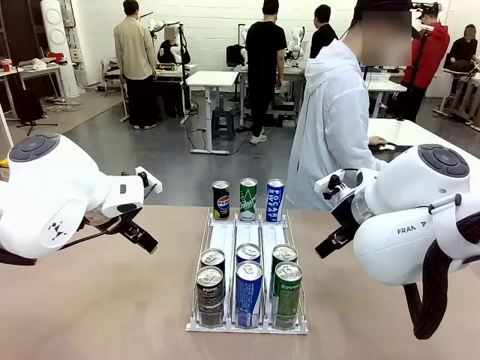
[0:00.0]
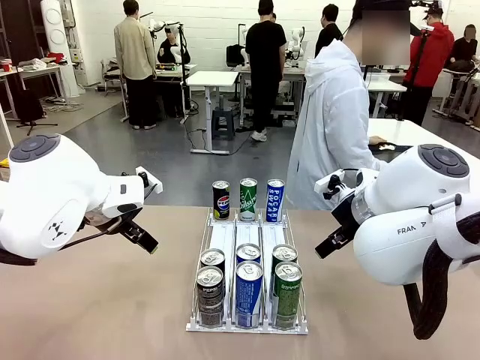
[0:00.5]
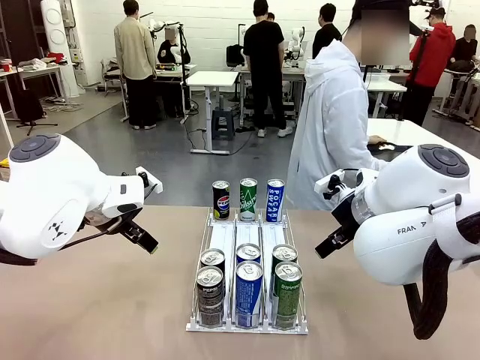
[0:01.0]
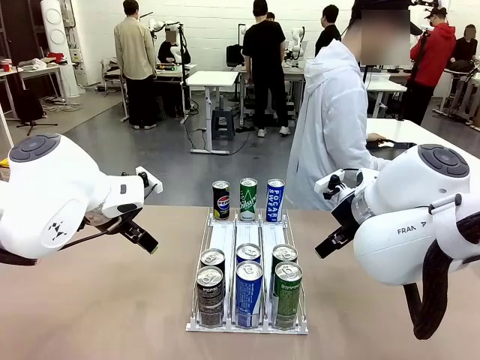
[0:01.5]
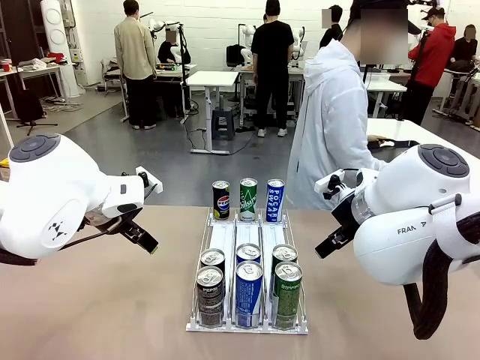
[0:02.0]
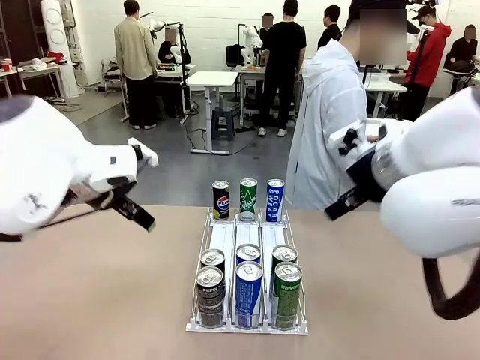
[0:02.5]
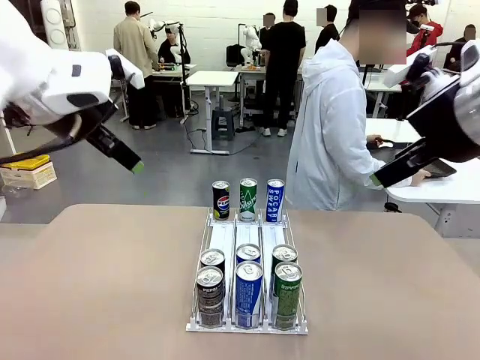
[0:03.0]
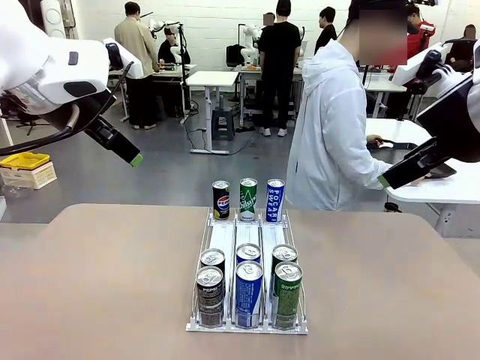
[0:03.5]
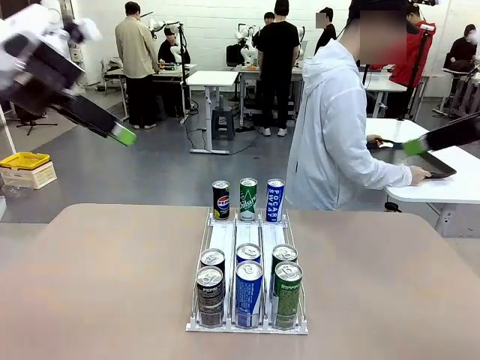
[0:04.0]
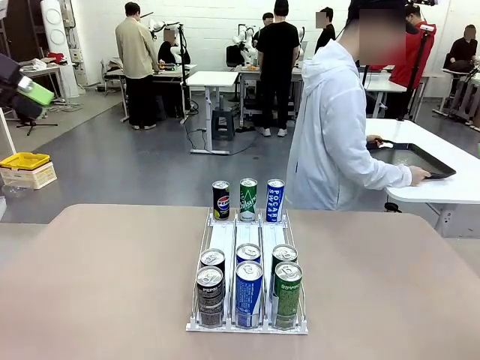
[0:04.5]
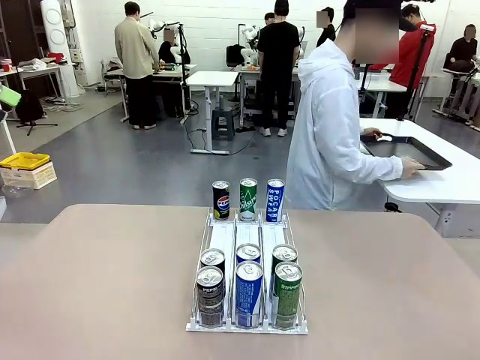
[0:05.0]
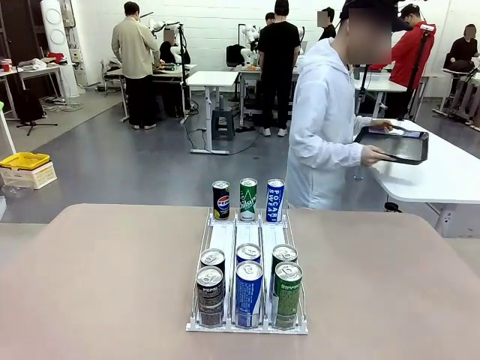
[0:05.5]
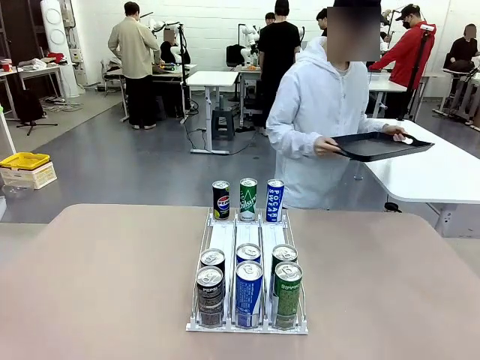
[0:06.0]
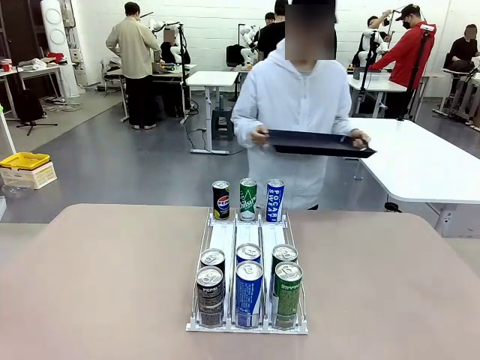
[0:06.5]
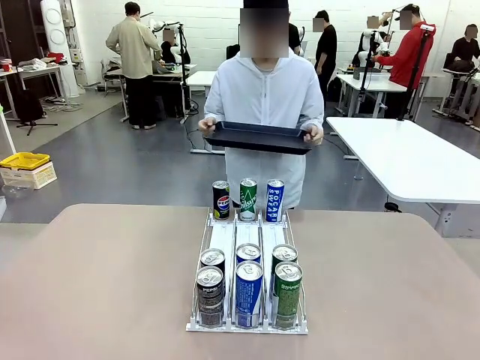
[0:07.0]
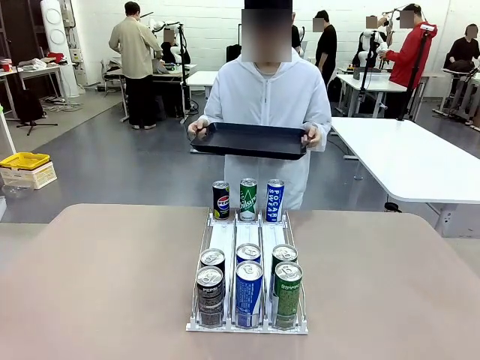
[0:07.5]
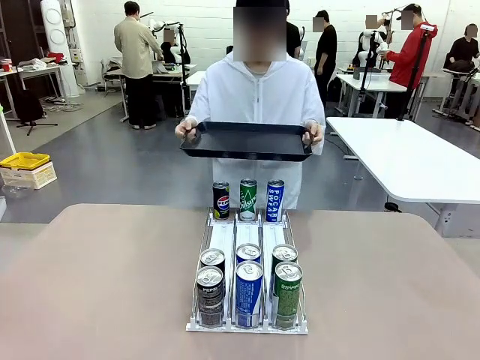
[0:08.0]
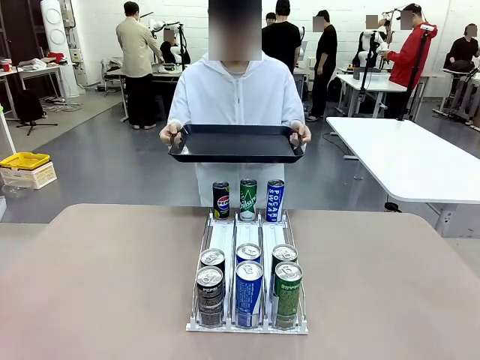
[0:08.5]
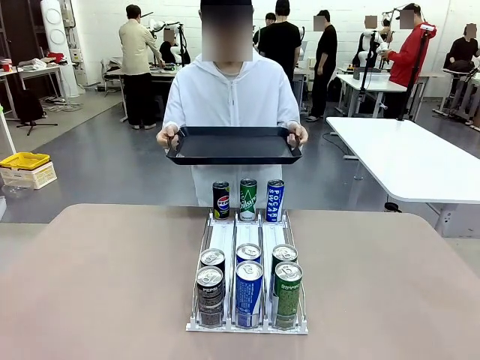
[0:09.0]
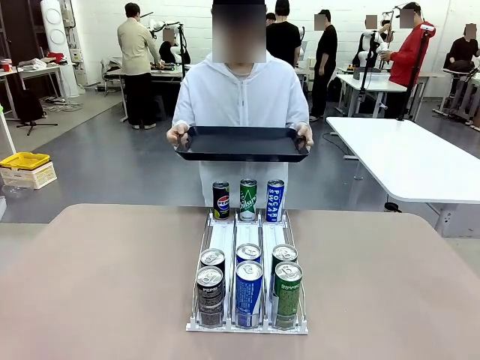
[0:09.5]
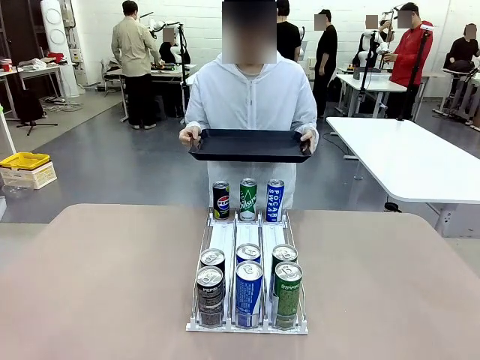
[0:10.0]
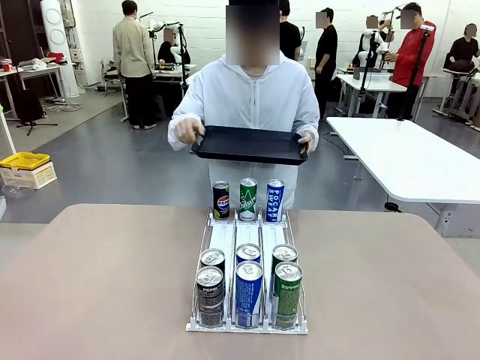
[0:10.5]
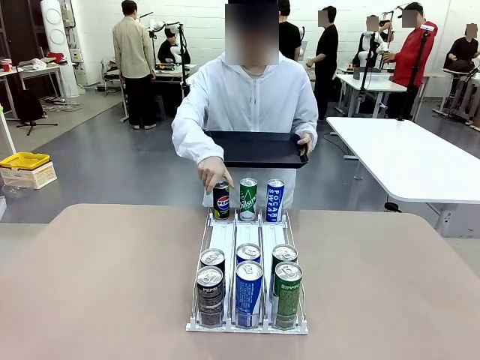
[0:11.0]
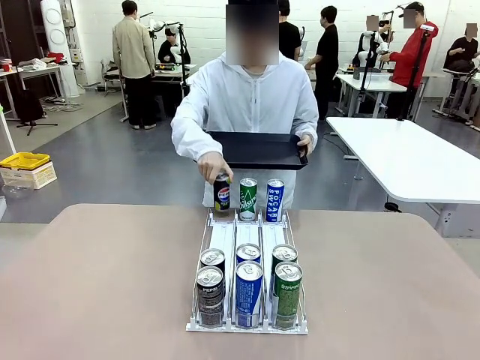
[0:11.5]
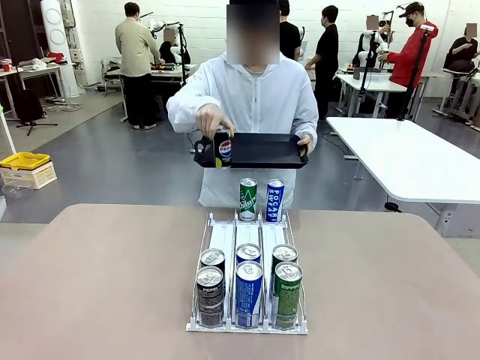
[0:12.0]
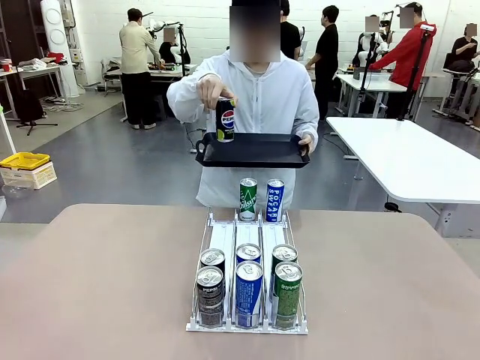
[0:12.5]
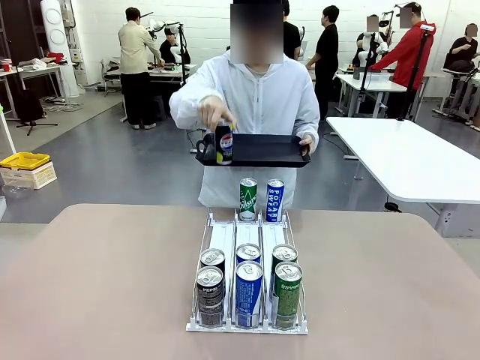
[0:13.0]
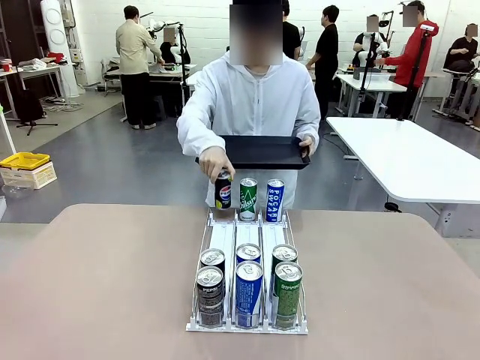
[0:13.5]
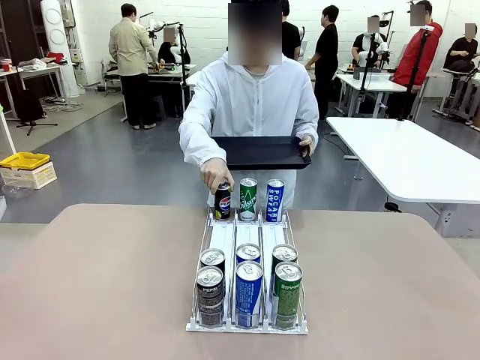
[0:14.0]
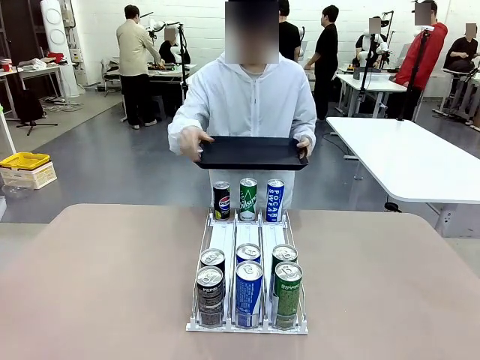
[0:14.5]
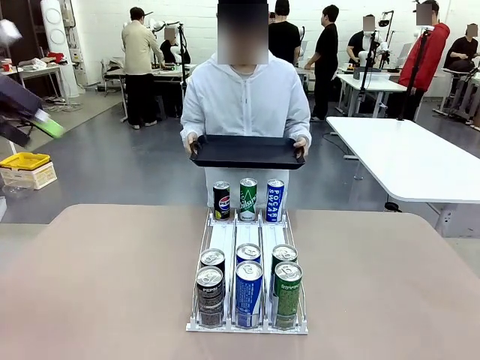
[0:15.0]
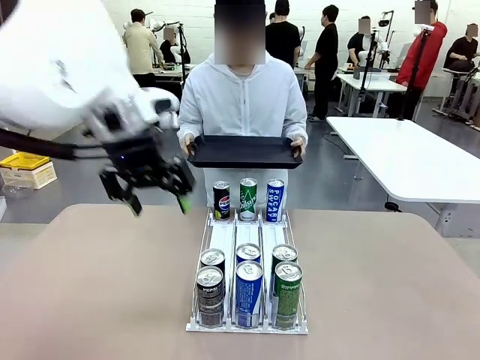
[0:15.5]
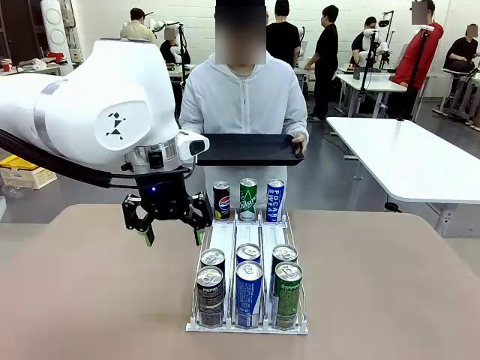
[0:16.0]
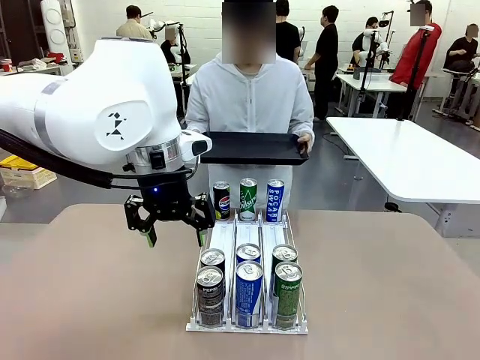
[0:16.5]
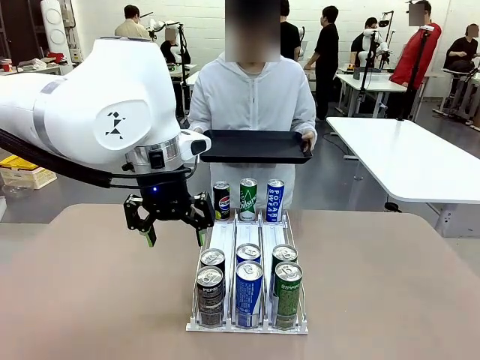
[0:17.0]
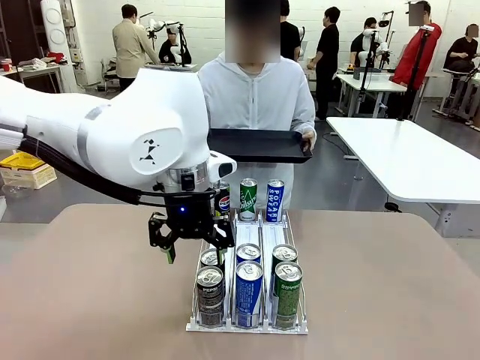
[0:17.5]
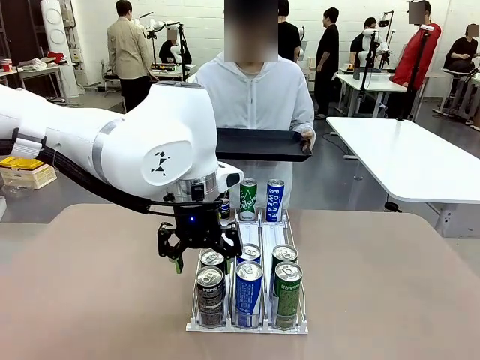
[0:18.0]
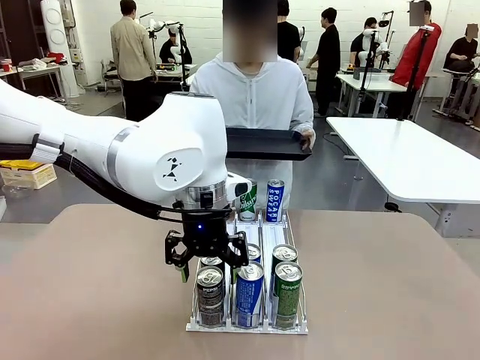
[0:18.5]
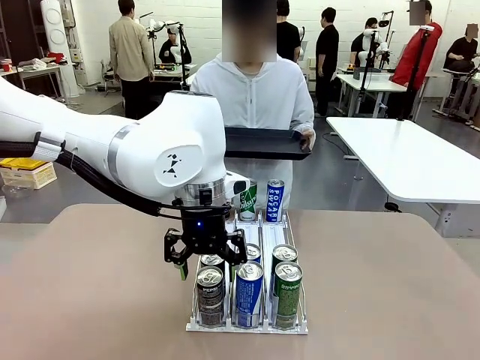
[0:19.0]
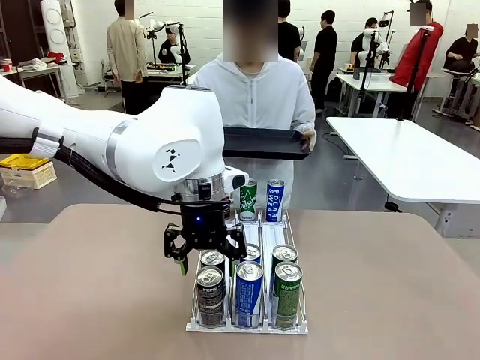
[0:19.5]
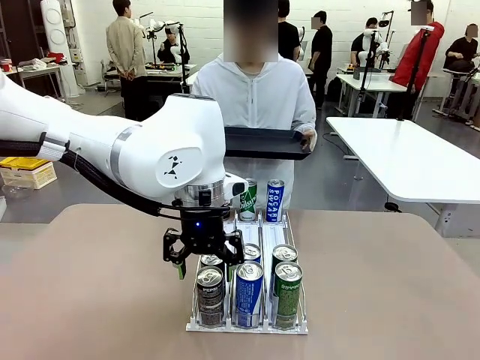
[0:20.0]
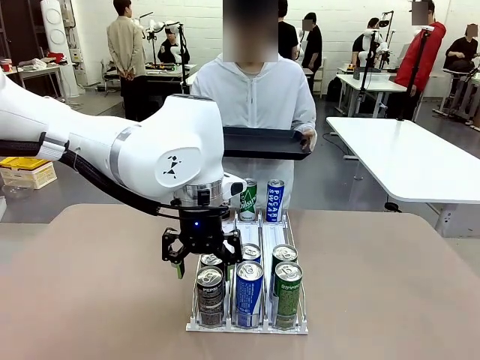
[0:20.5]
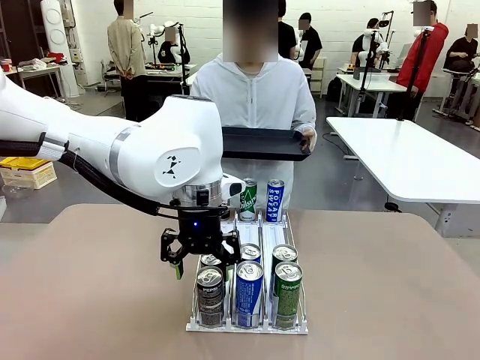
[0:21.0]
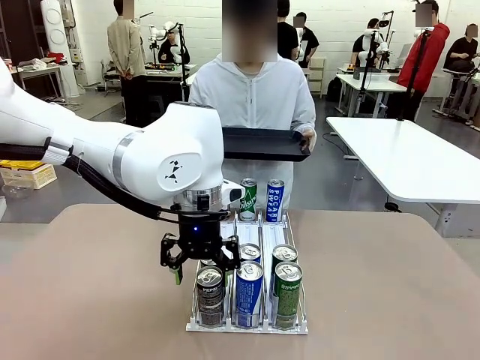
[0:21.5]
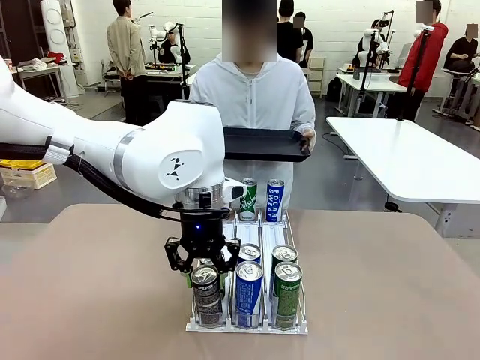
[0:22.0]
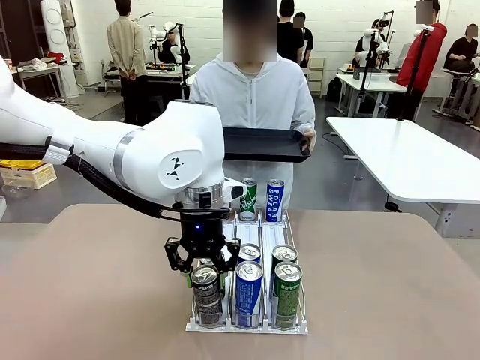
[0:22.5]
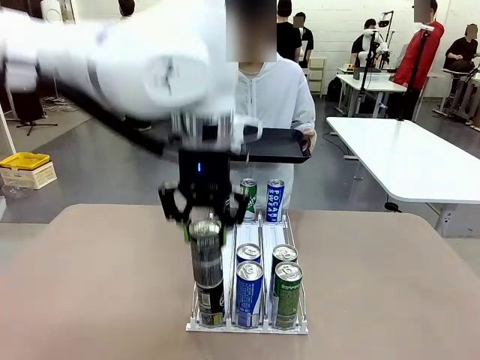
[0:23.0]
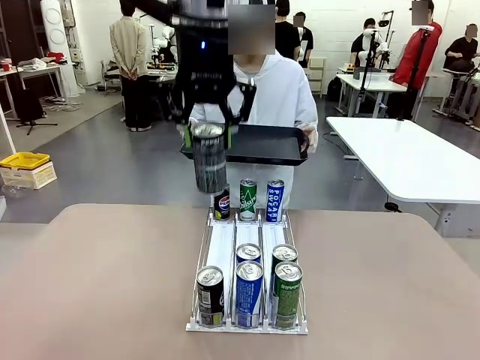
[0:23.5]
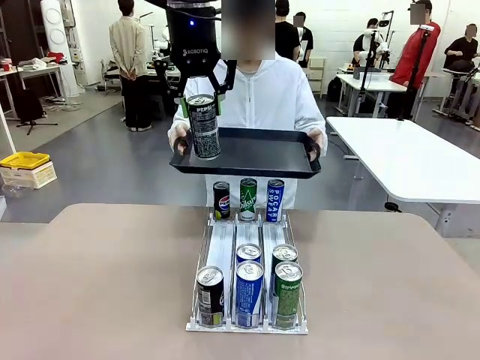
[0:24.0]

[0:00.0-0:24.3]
Task: Retrieve and hand over the desired beverage to the person.
Robot: Pick up a can of the same type that the person held from the Automatic Can Dispenser.
Person: Hold the tray and position yourself in front of the robot table. Pick up one can from the bottom area of the table and puts it back in its original place. Push the tray toward the robot.

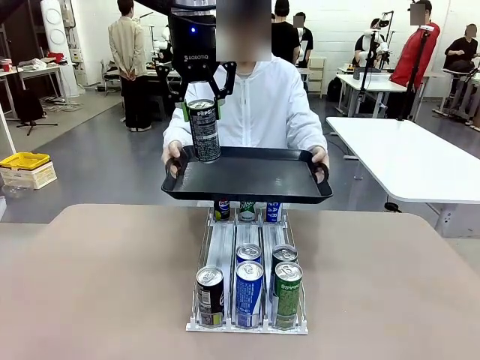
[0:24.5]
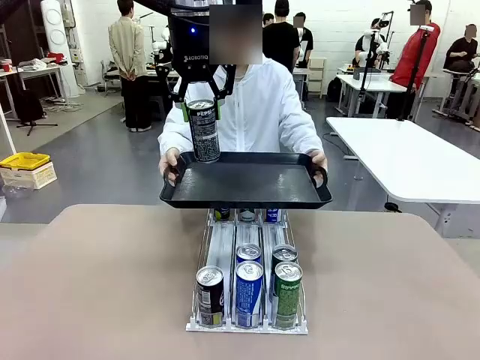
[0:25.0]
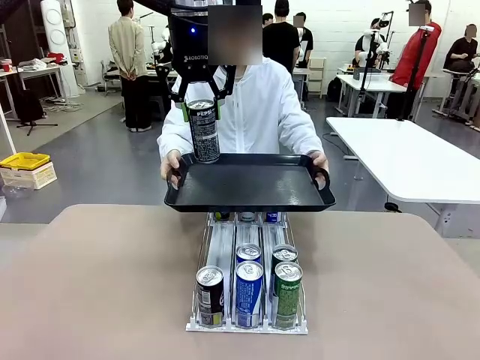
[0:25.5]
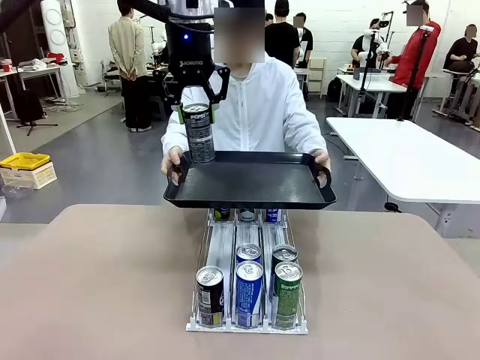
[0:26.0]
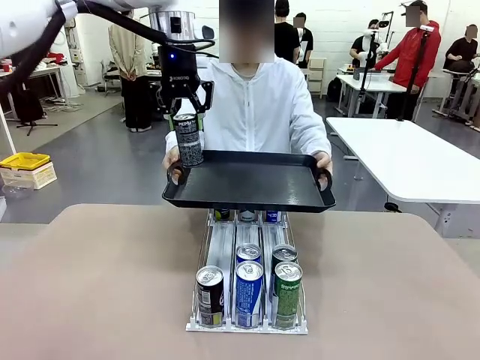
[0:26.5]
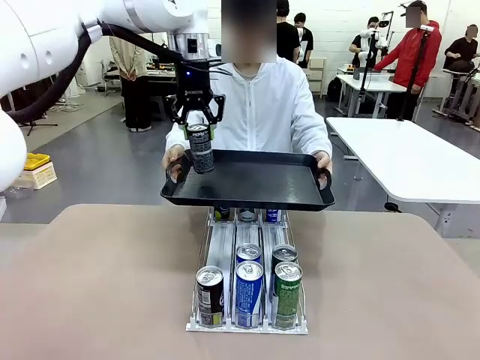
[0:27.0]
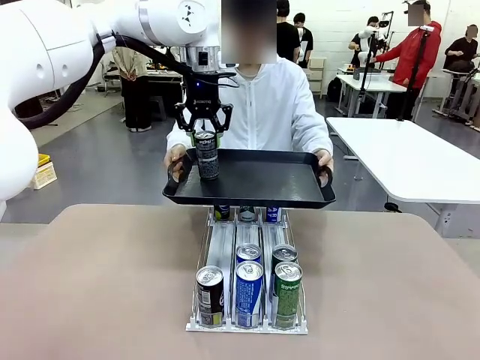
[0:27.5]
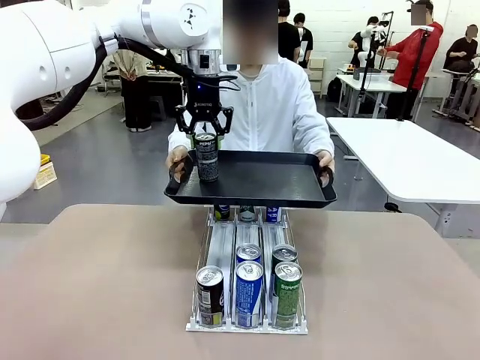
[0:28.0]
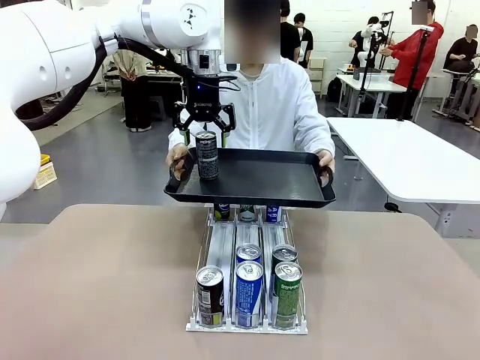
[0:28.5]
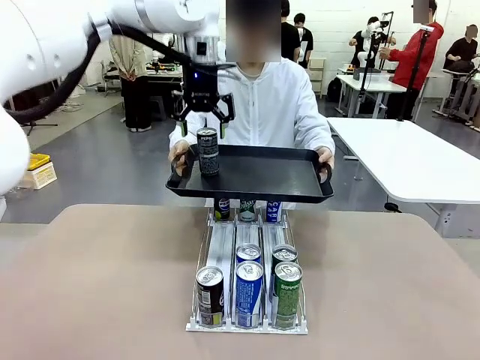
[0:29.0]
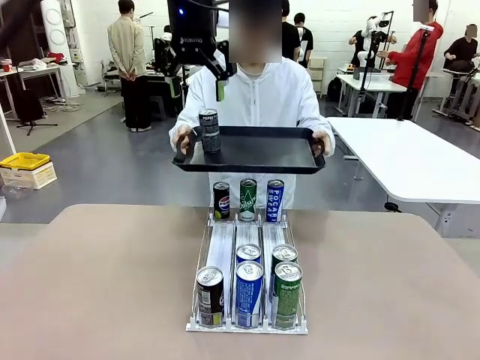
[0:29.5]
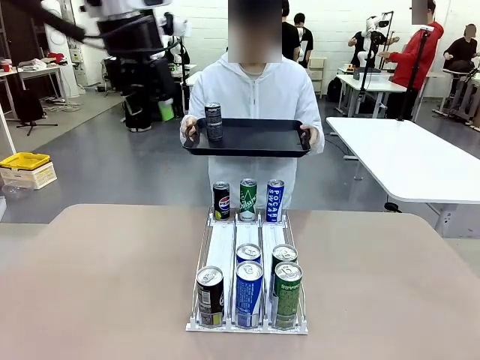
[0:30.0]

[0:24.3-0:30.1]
Robot: Place the picked can on the Handle tray extended by the person.
